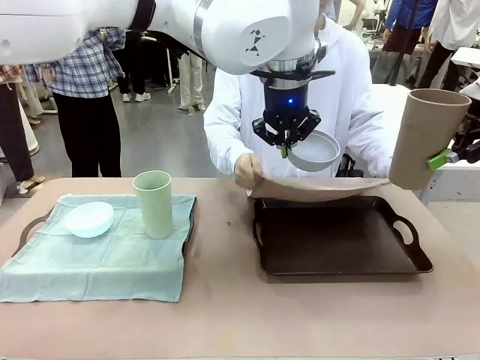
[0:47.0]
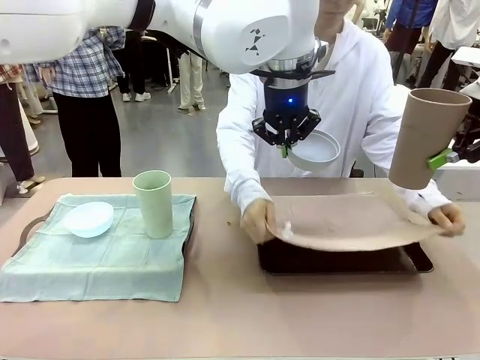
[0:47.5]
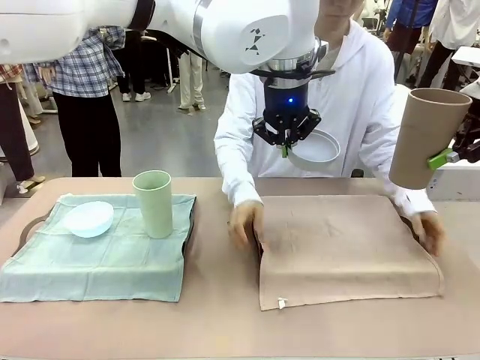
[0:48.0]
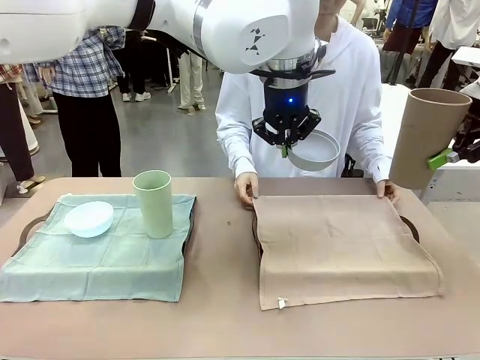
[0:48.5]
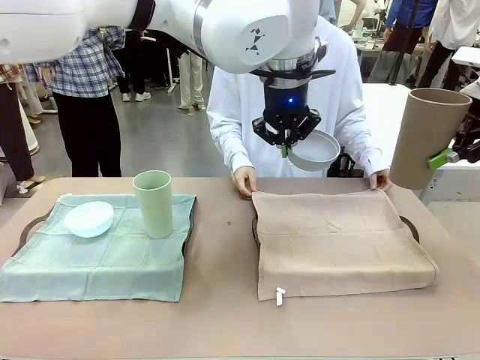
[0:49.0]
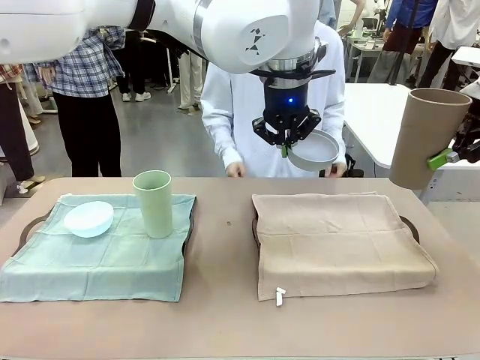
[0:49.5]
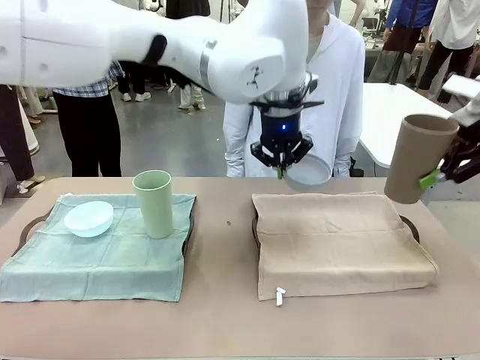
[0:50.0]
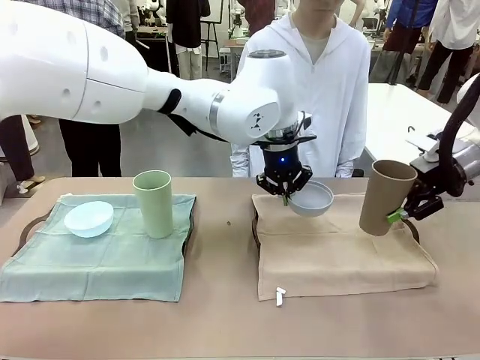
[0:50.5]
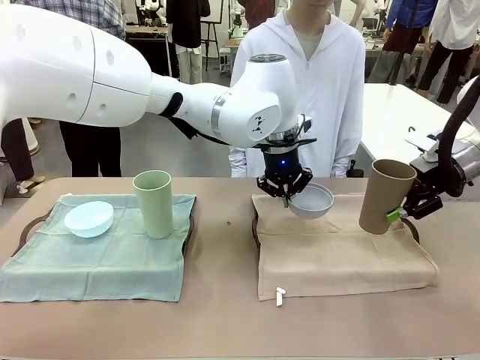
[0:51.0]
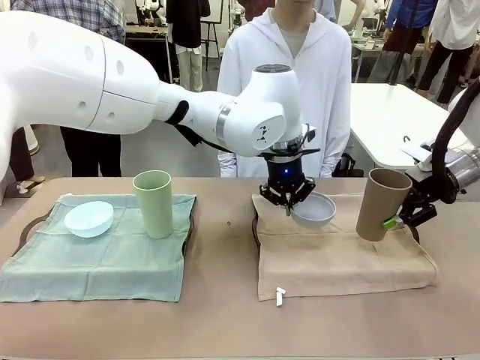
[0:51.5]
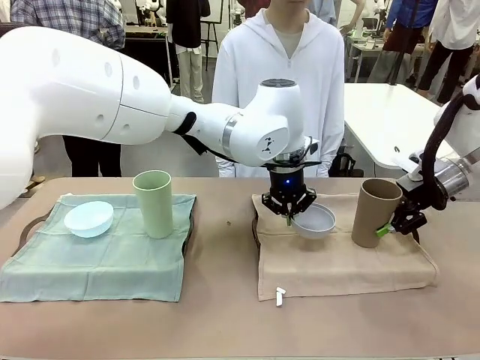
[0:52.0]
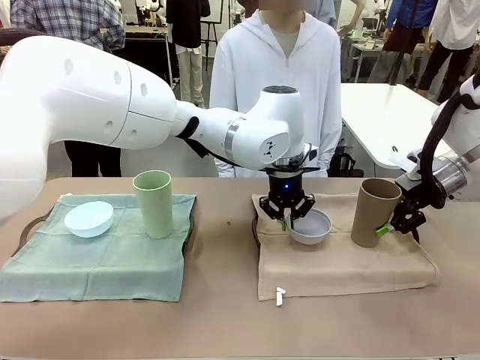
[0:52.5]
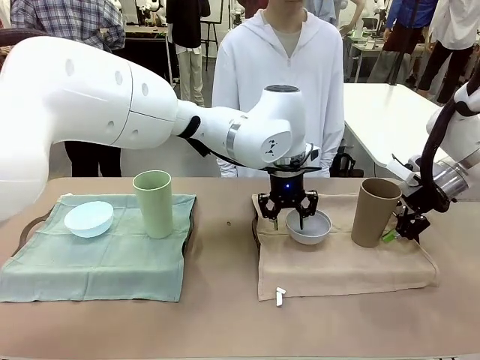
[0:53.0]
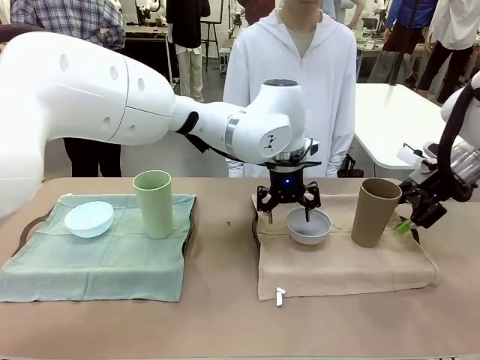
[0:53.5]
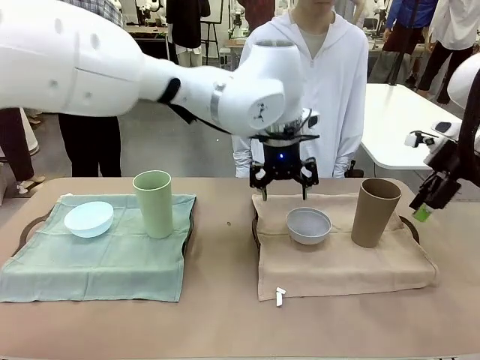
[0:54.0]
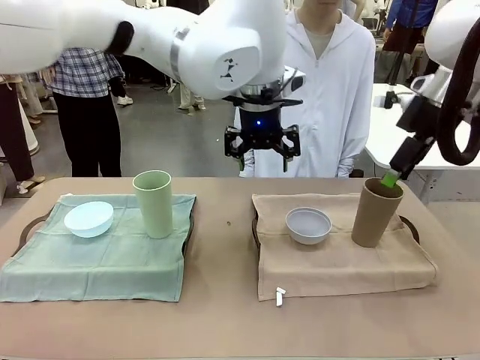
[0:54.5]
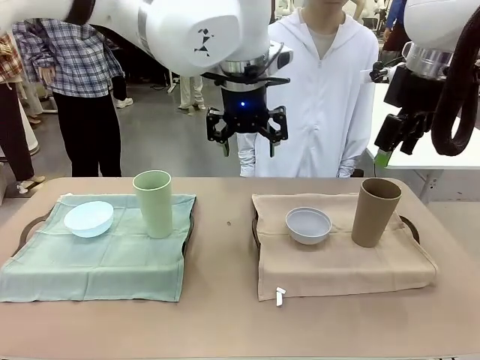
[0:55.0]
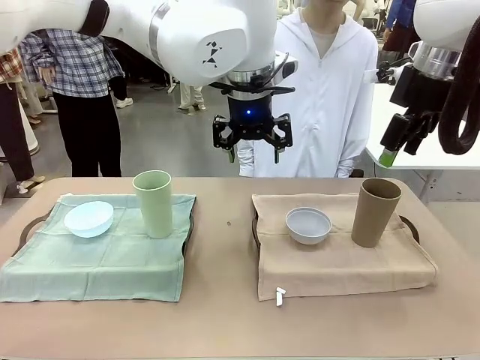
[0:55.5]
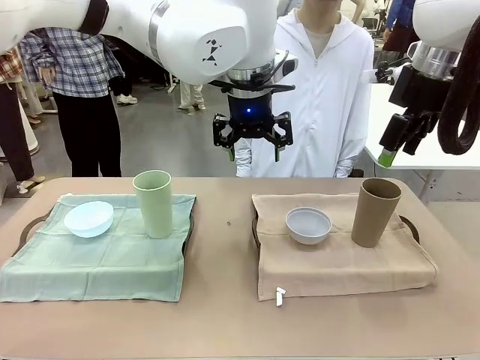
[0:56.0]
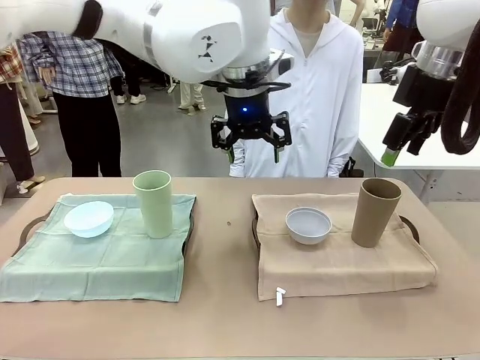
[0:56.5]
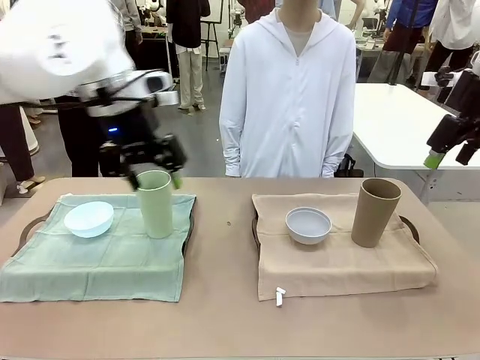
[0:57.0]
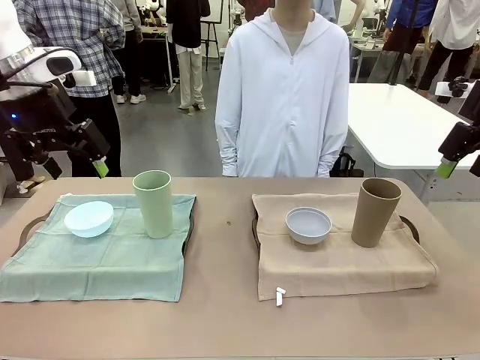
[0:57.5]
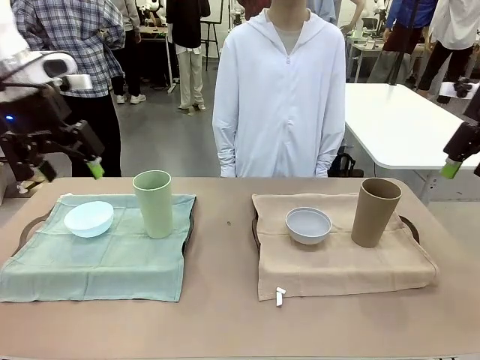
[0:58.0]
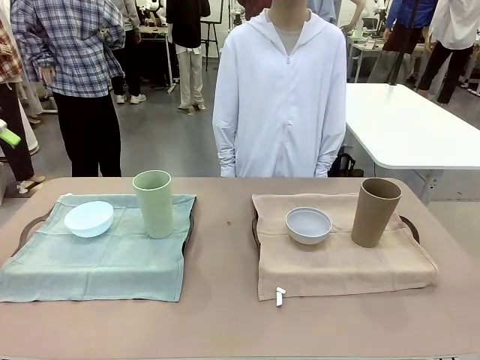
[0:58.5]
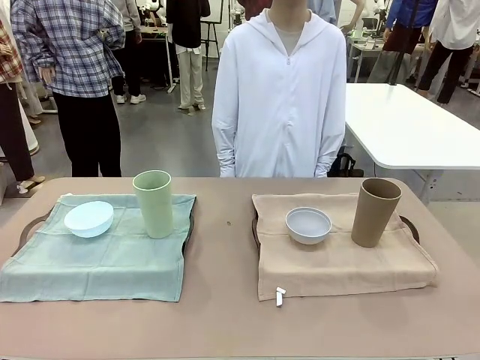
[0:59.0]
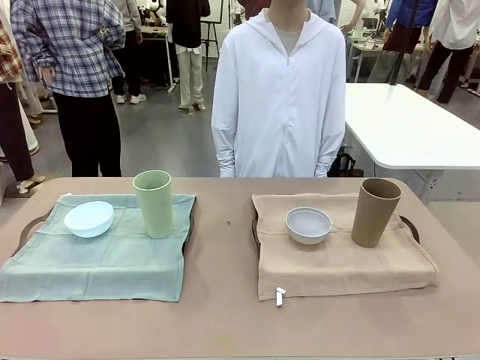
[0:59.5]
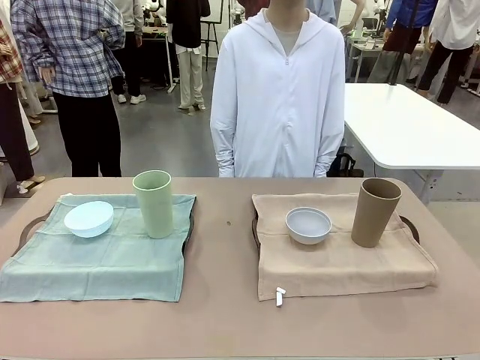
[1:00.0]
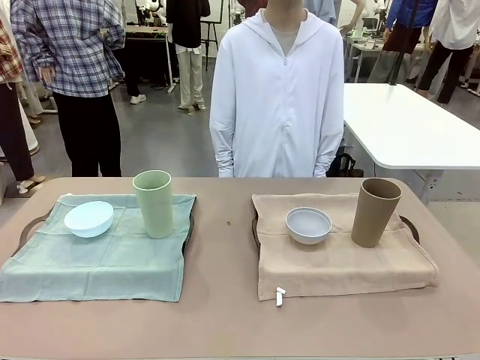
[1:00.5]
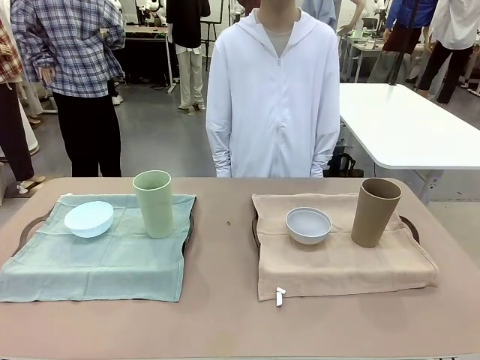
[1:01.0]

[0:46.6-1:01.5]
Robot: Place the Picnic Bowl and Reusable plastic cup back onto the Handle tray in front of the human's position.
Person: When the robot lifts the bowl and the cup, the human unfolds the napkin and lays the napkin flat on the tray.
